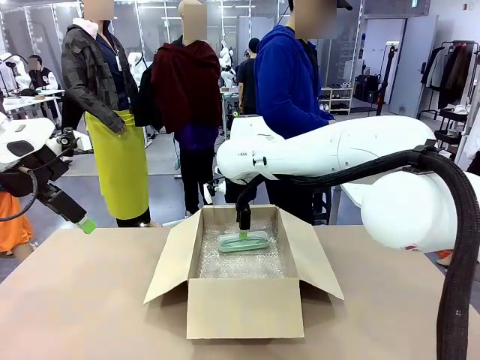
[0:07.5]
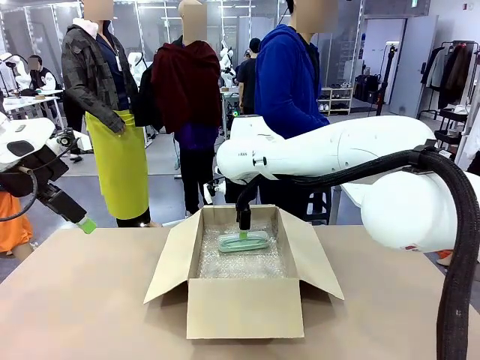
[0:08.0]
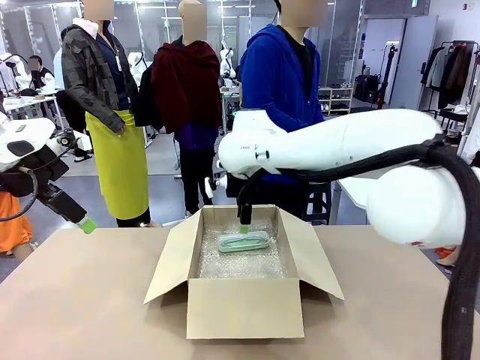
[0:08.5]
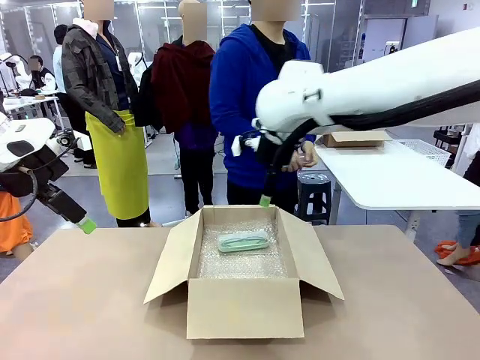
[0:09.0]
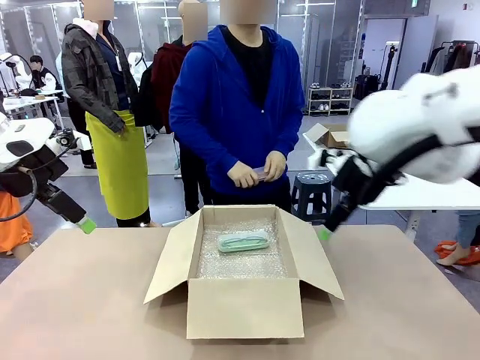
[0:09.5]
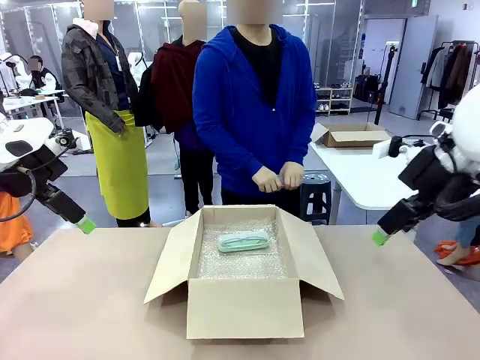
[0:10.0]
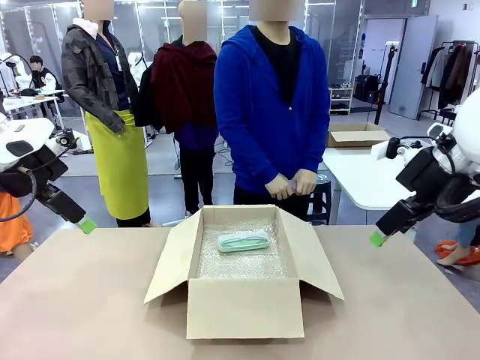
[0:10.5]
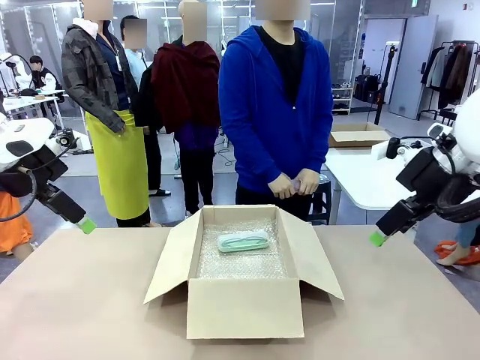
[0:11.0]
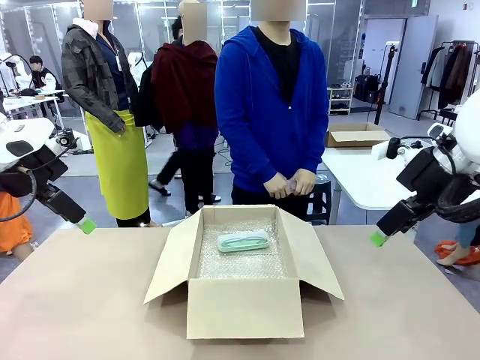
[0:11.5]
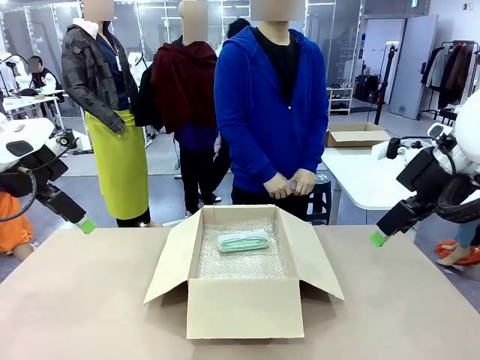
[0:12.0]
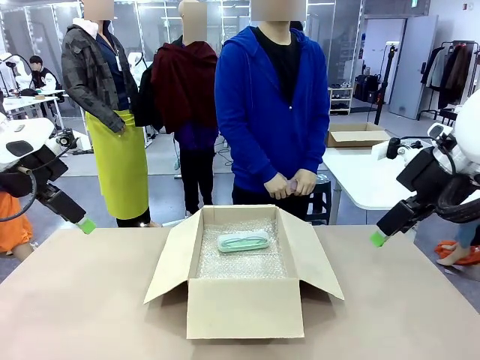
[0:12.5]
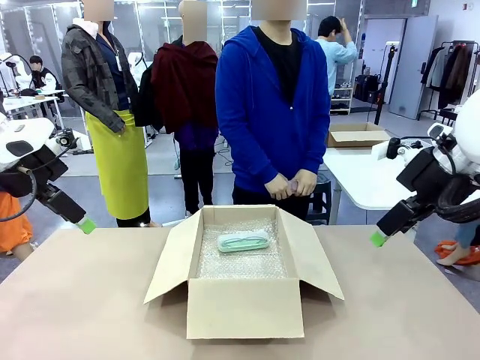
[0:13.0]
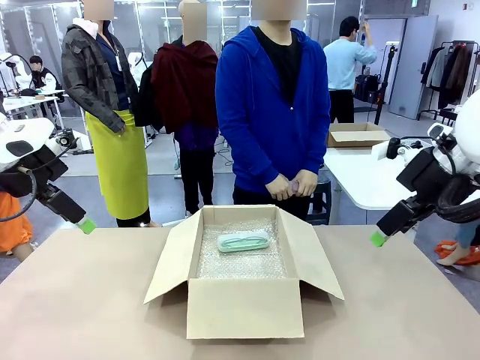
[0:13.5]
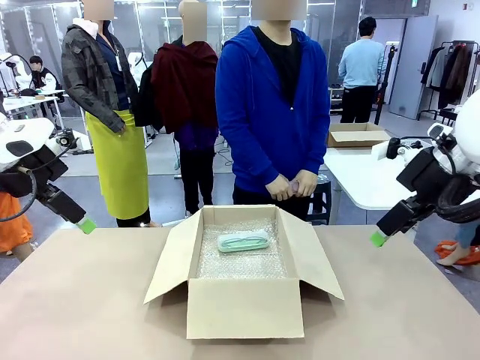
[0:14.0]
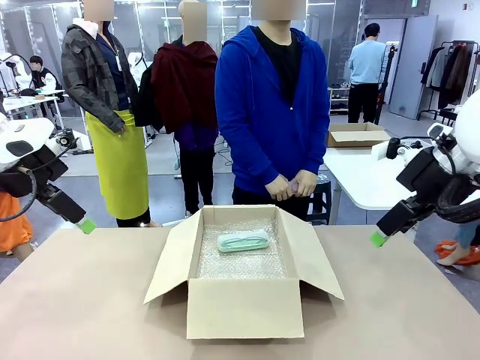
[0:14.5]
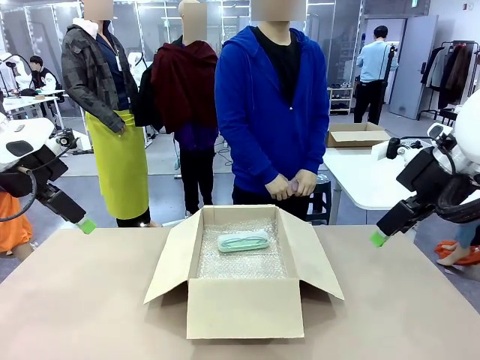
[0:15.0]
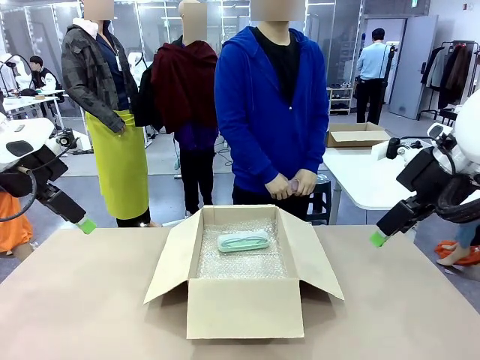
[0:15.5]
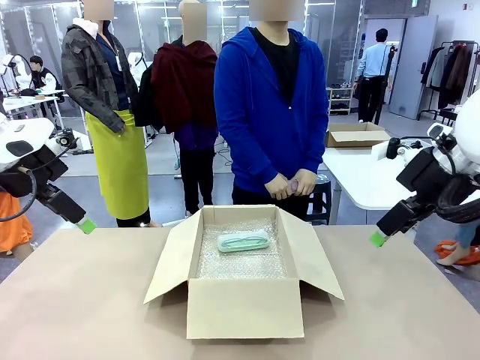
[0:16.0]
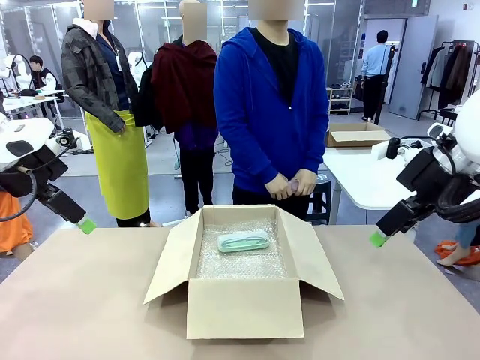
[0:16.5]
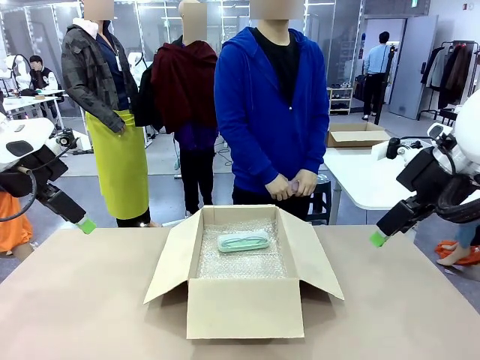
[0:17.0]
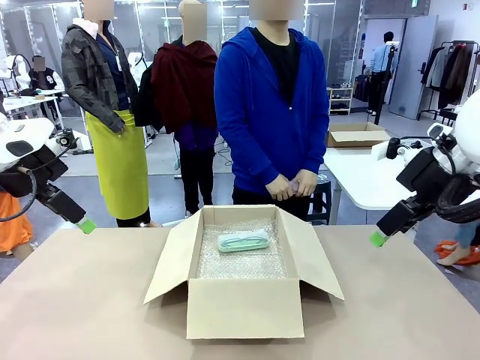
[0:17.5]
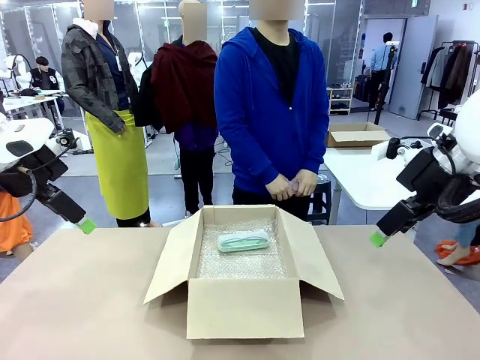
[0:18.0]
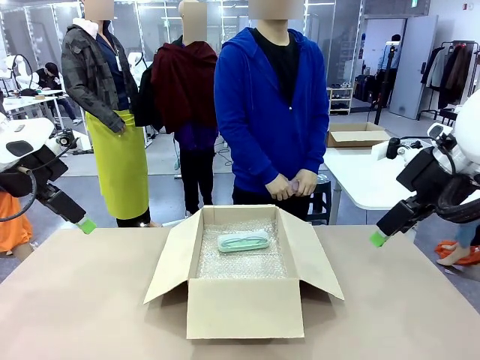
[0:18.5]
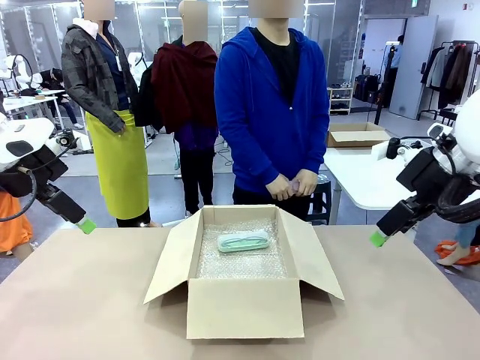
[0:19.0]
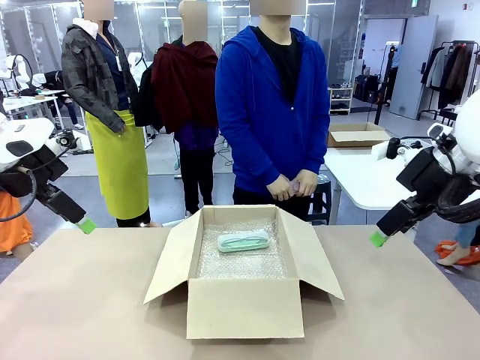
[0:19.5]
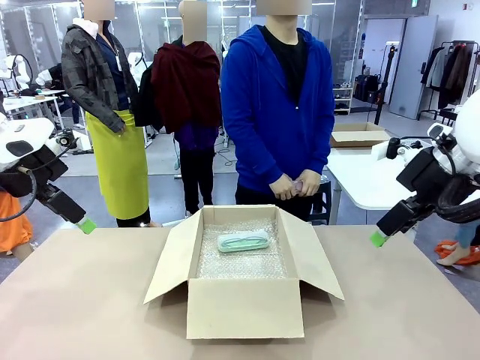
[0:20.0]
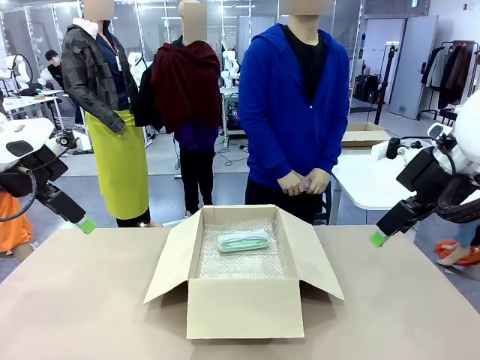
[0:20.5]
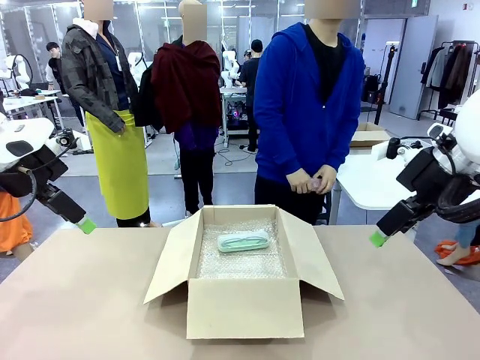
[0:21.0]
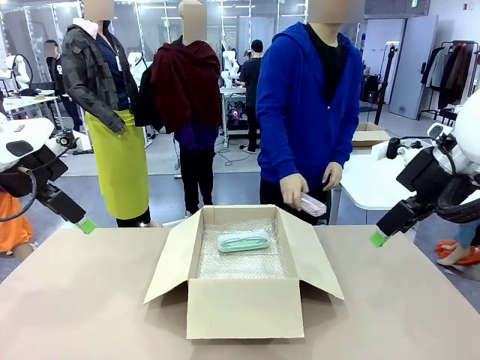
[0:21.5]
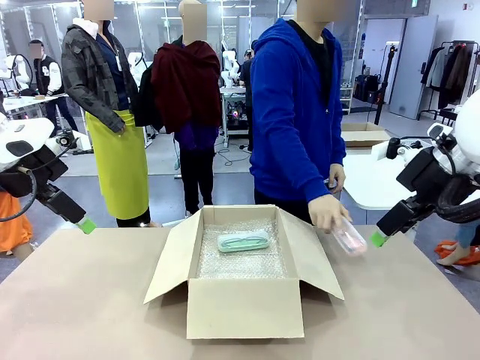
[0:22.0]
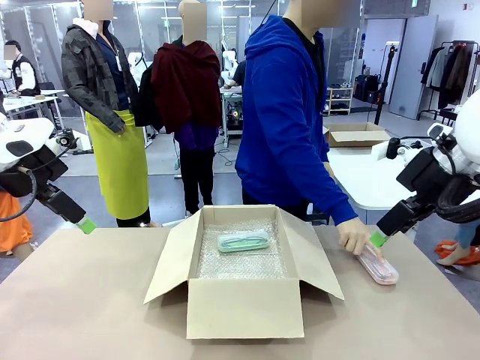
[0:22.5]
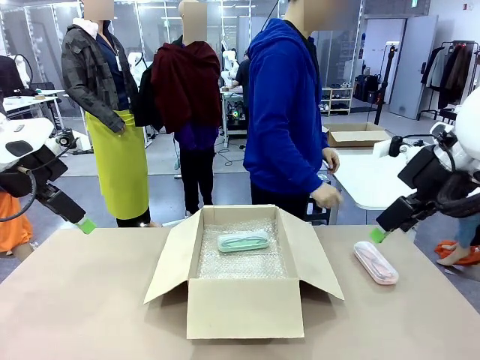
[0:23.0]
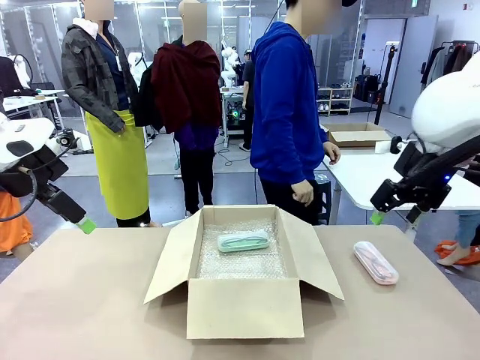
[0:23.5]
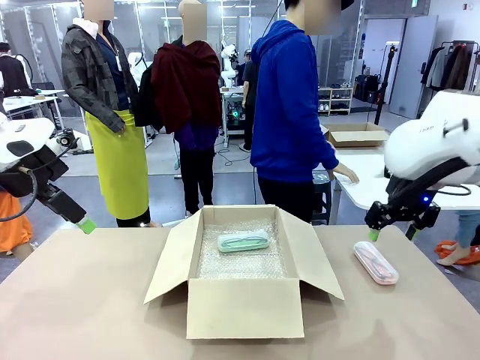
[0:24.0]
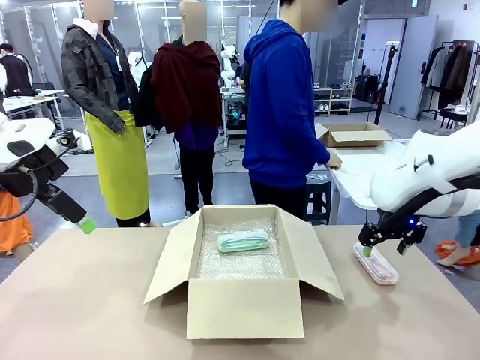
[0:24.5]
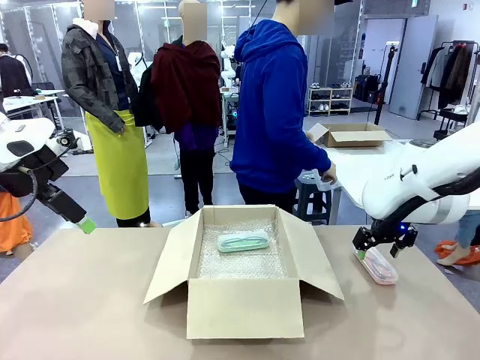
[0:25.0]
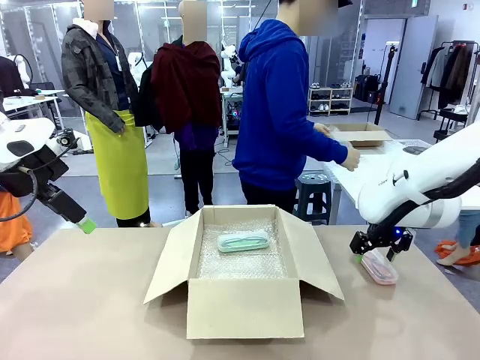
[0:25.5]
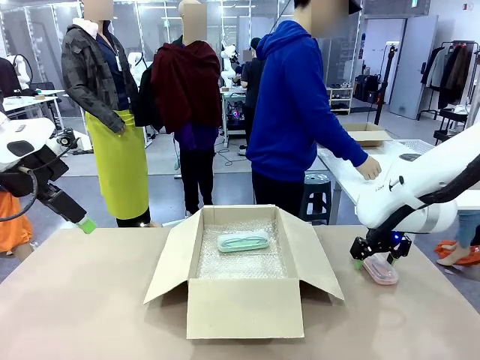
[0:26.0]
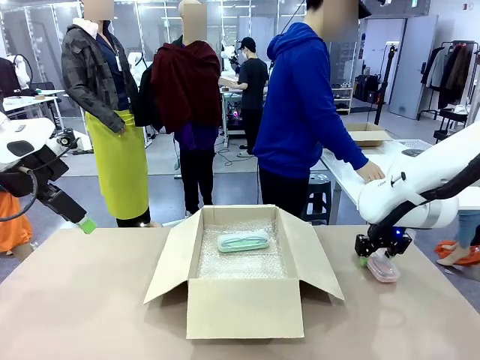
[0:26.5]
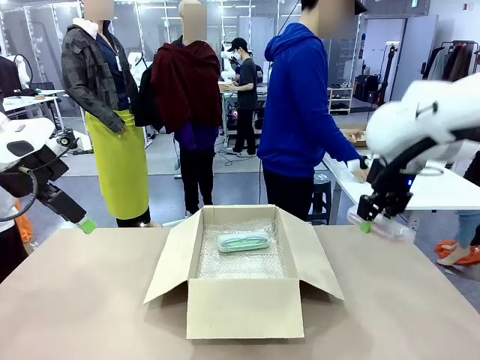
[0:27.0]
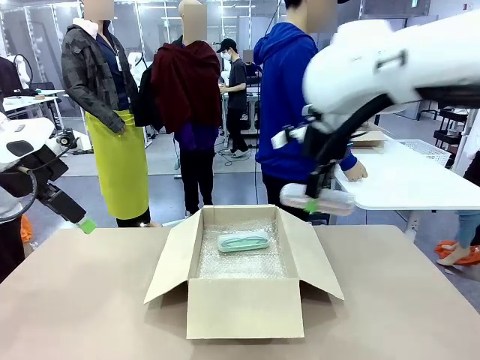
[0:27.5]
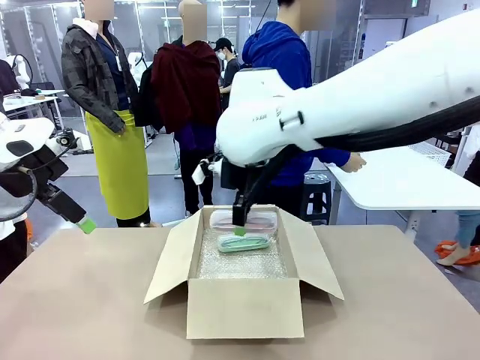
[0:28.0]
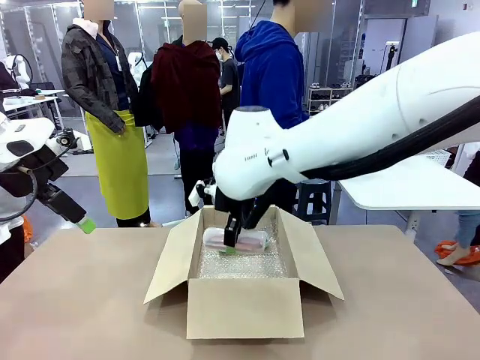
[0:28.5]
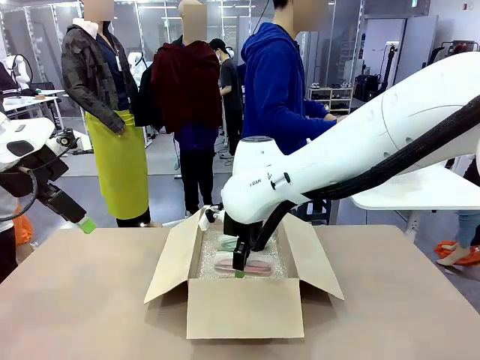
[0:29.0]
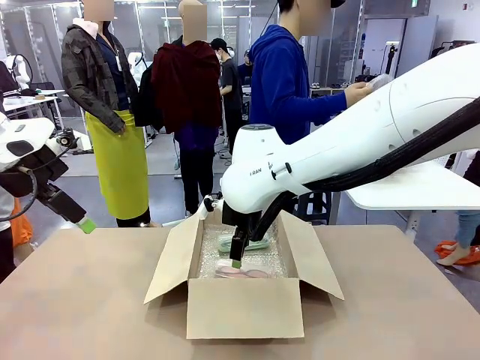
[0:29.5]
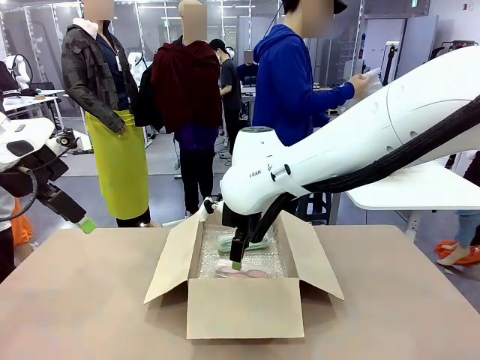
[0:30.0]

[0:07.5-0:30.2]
Task: Pack the glasses set securely to prepare it for shipping.
Robot: Put the Glasses case from the right side of the table into the Package Box.
Person: Position the Glasses case on the left side of the robot's table.
